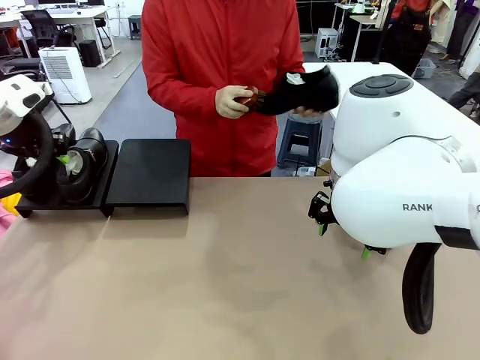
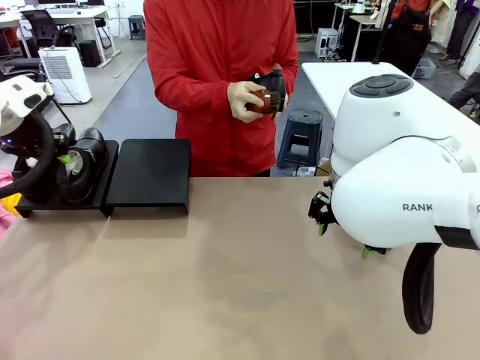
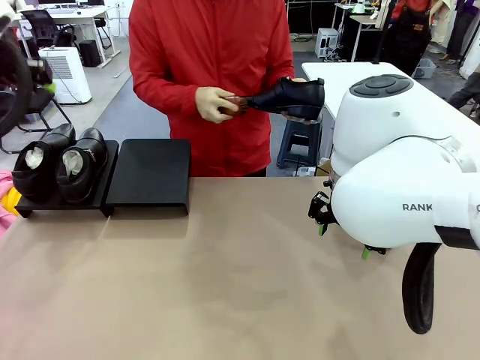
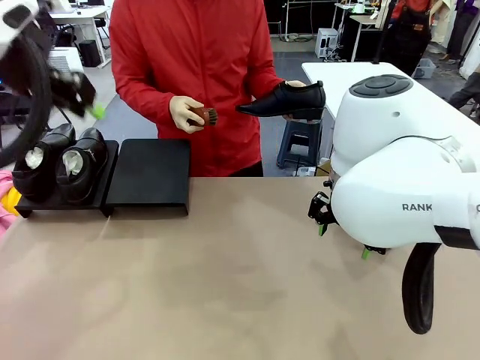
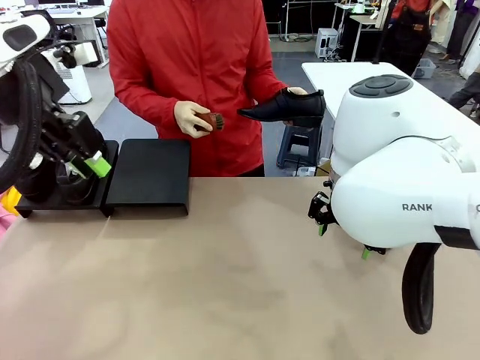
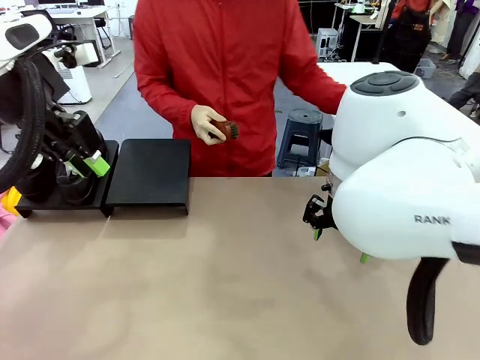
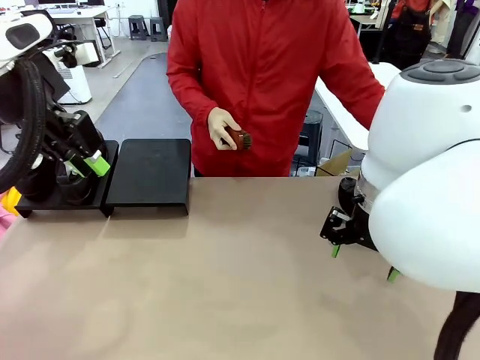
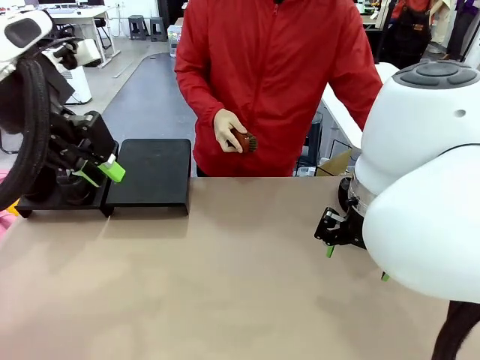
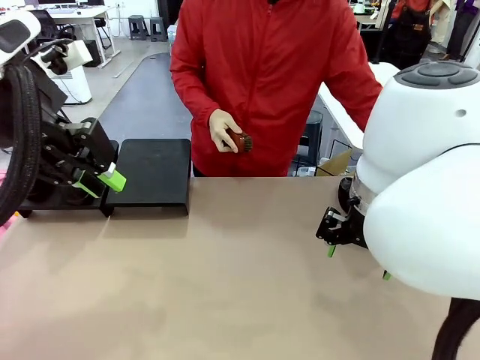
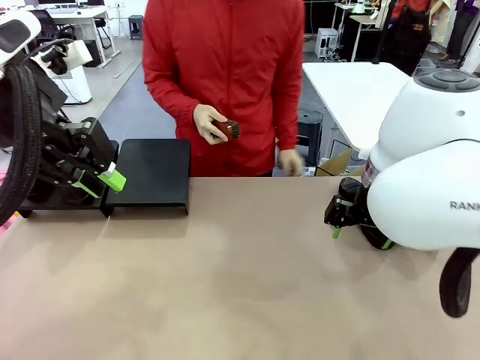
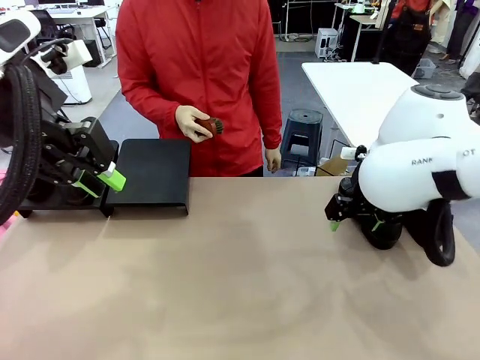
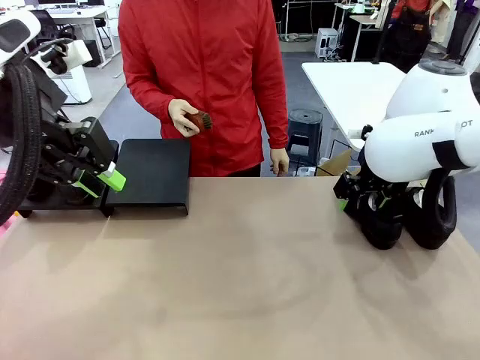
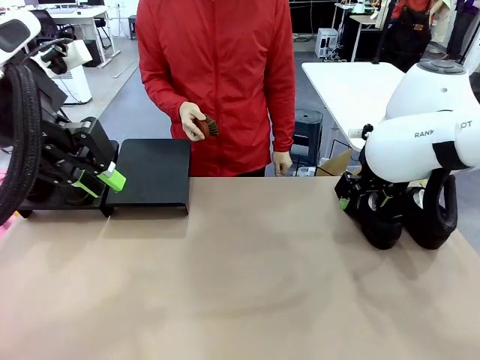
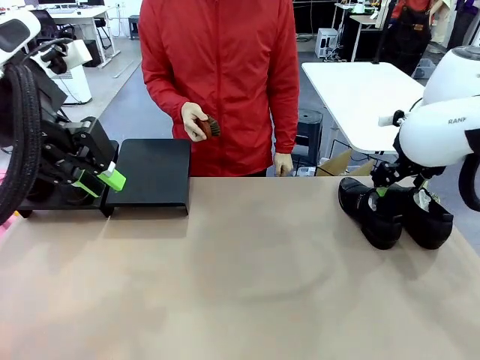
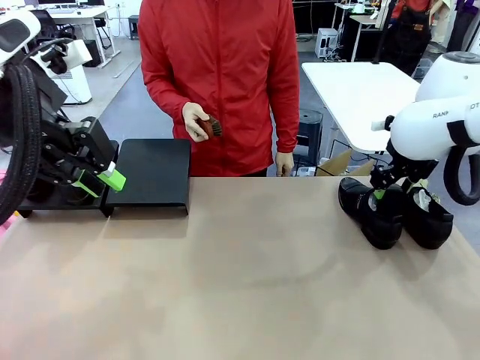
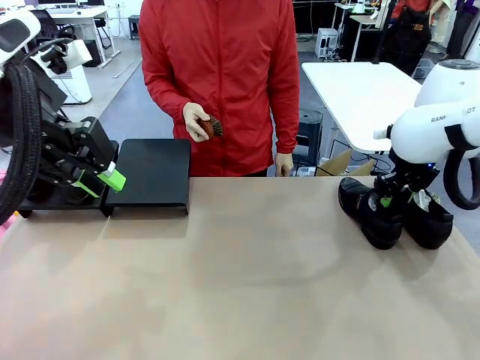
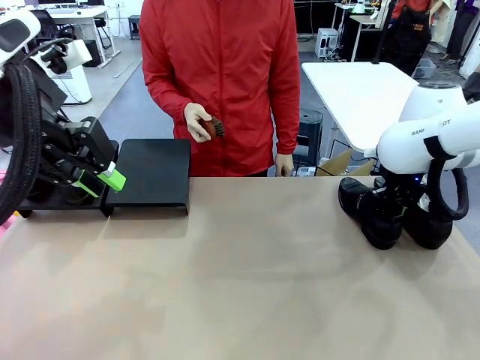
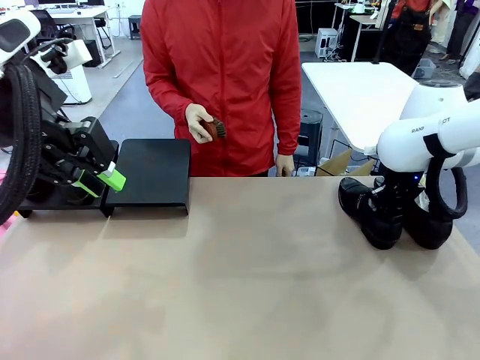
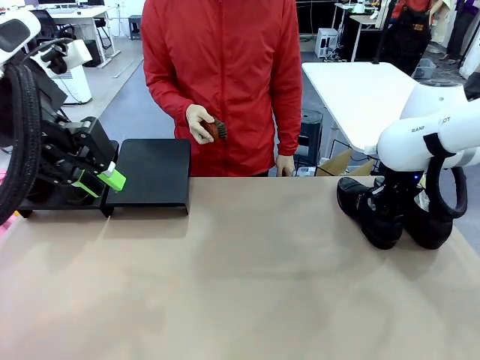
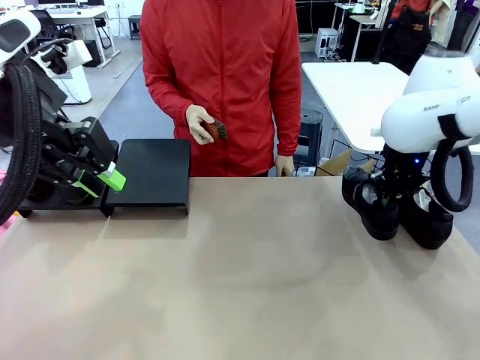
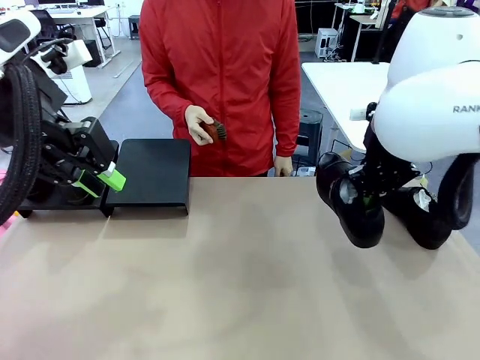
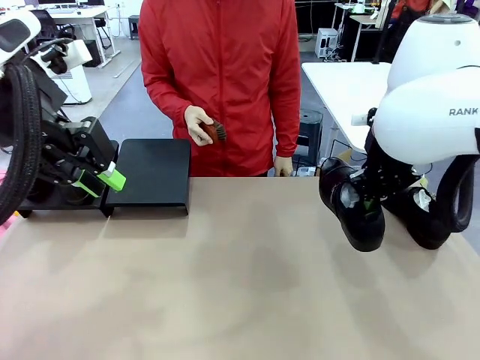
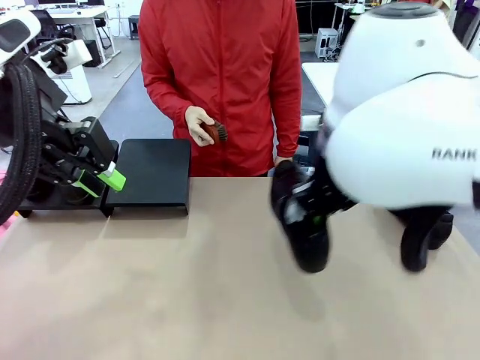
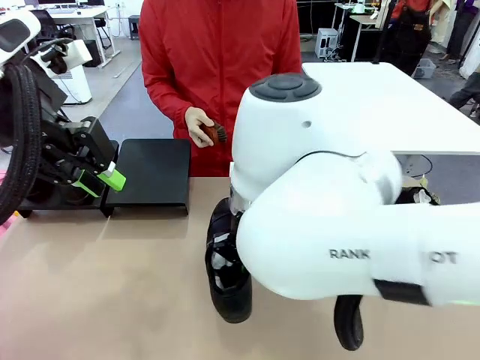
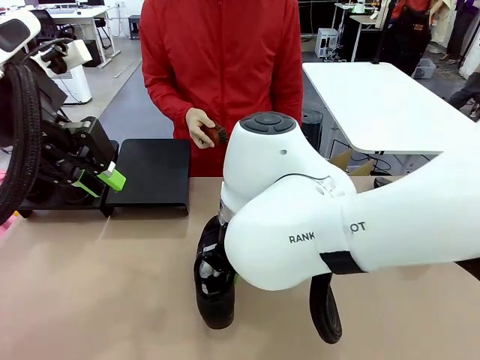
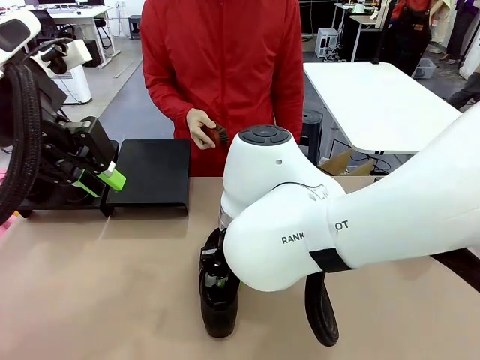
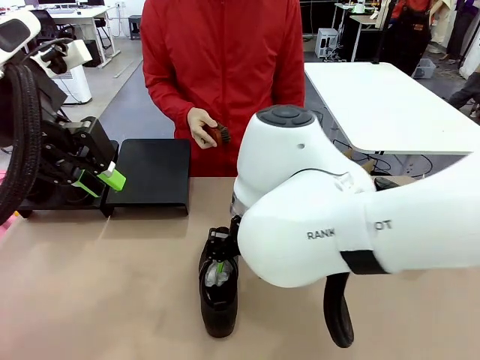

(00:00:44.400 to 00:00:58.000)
Task: Organize the shoes by placing them on the stand.
Robot: Pick up one Shoe and place it in the middle of the table.

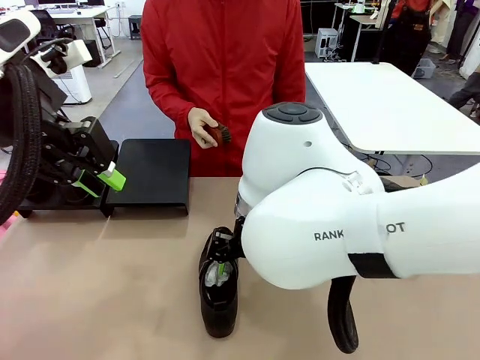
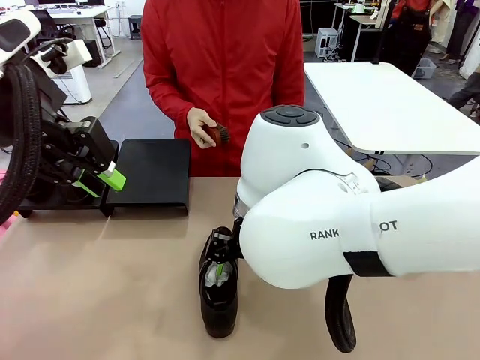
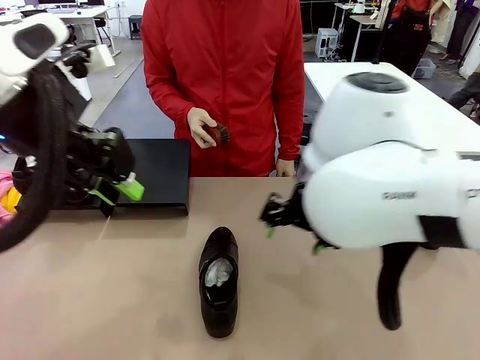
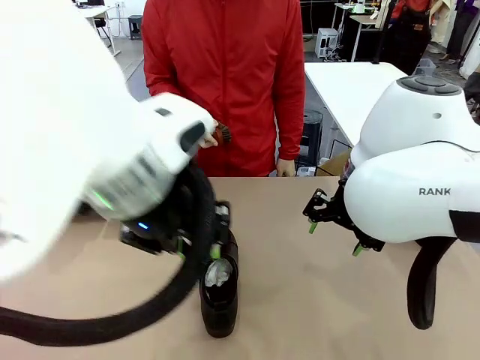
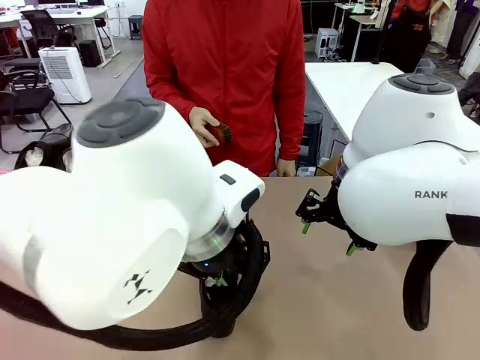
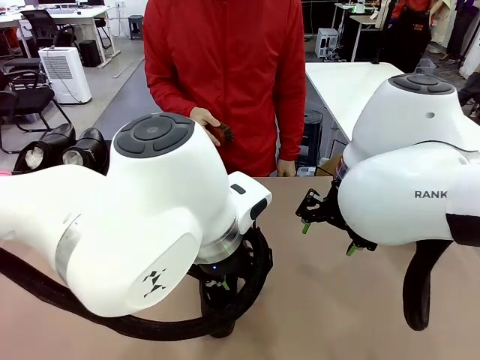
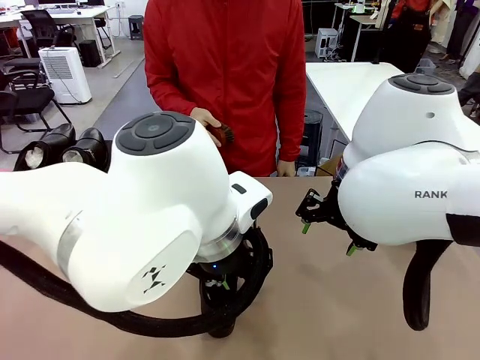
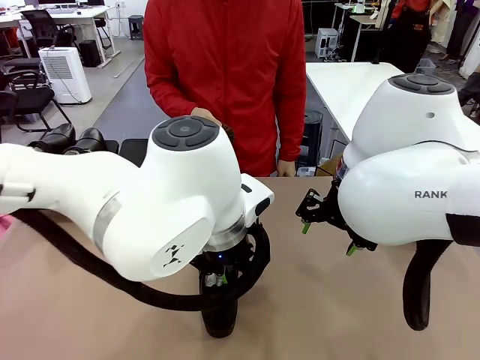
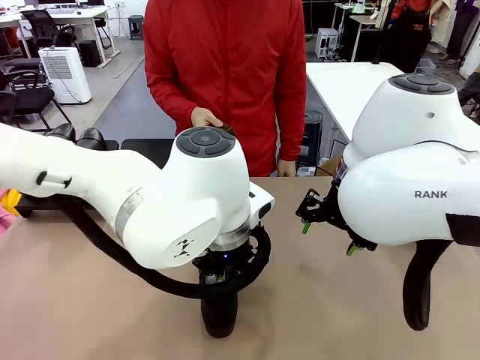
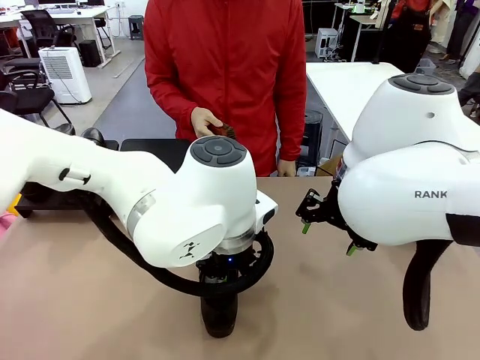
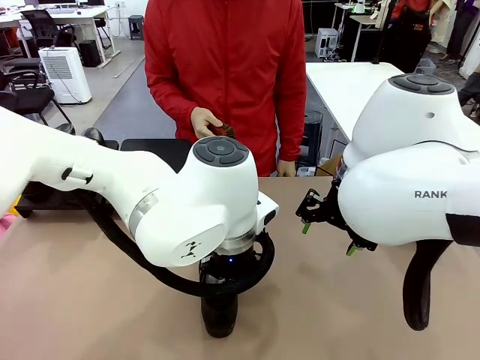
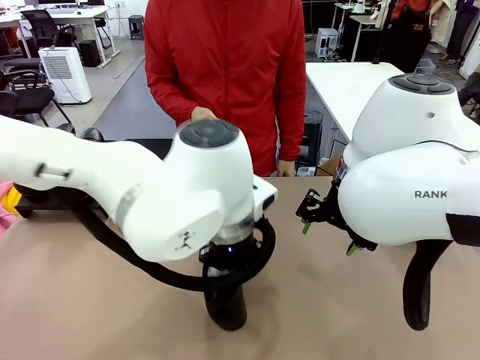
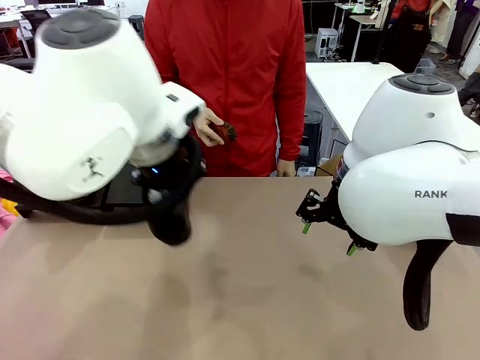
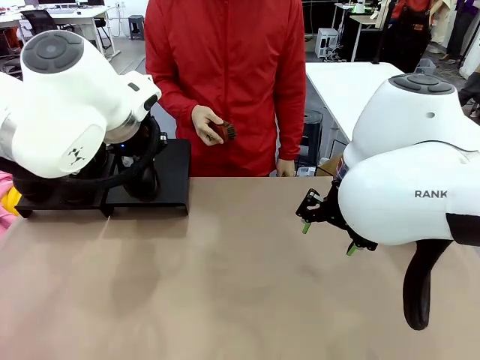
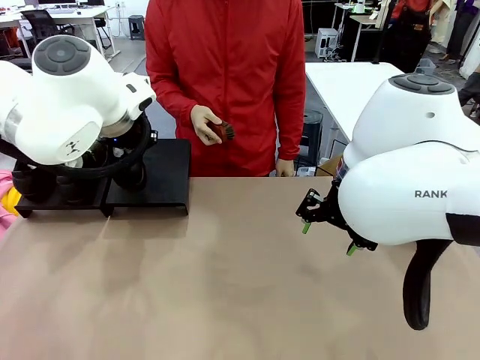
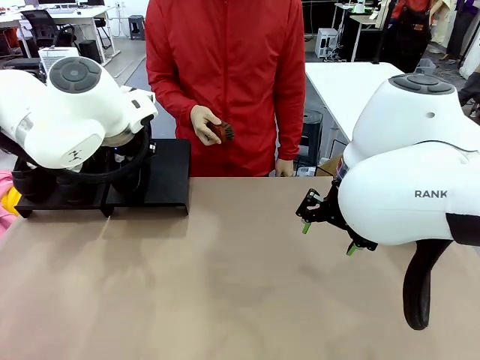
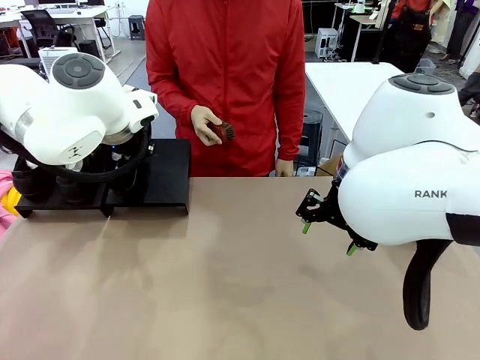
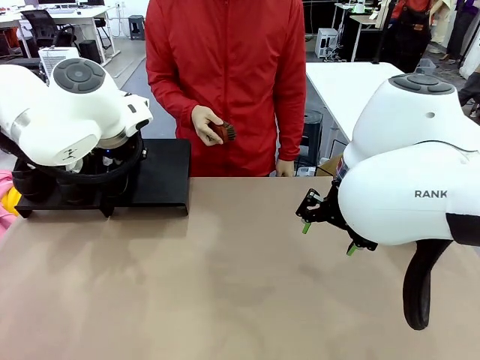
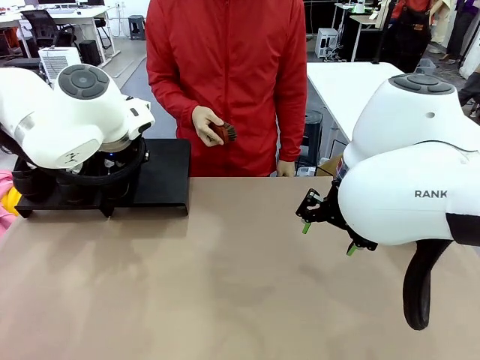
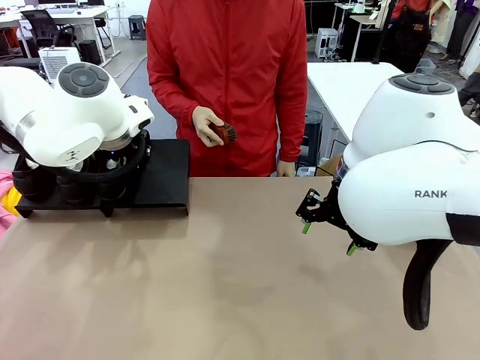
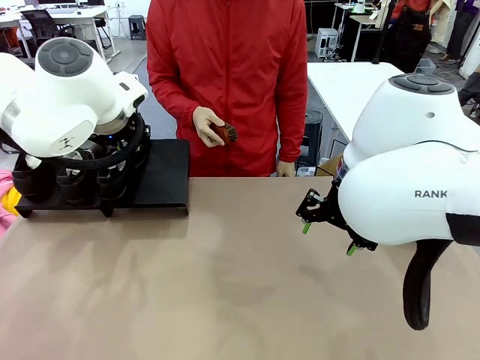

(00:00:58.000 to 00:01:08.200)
Robot: Place the Shoe from the middle of the table onto the Shoes Stand.

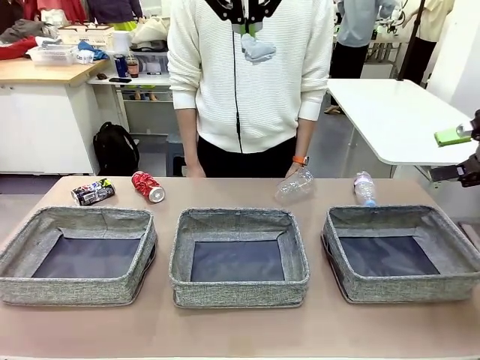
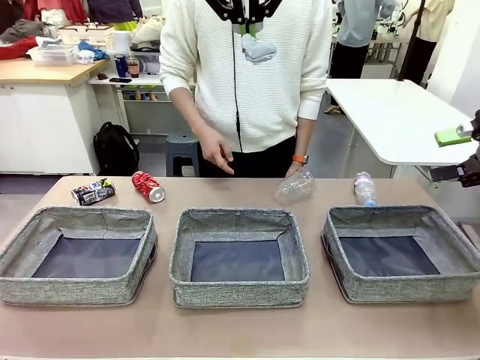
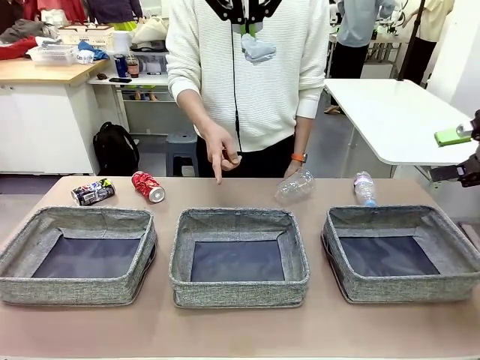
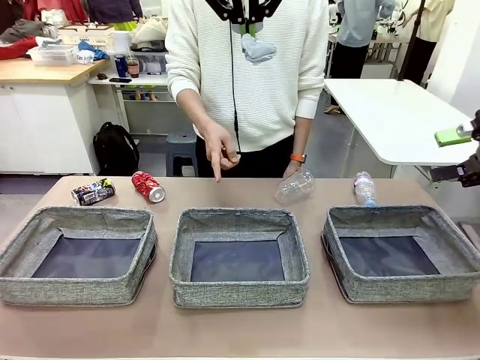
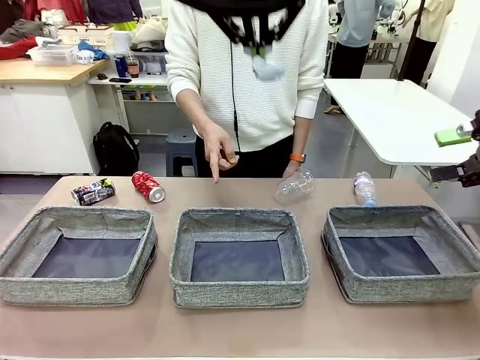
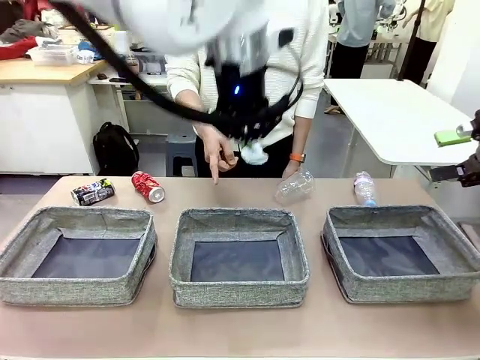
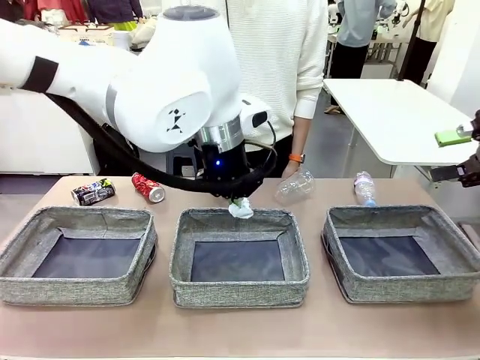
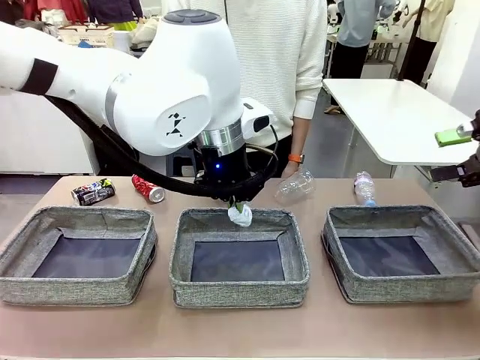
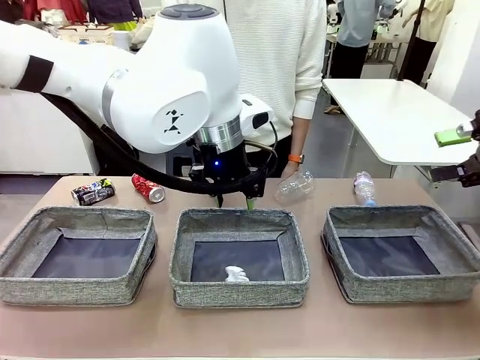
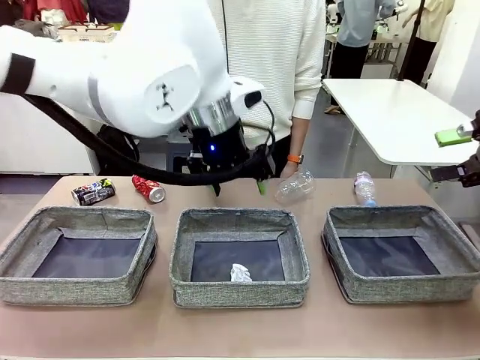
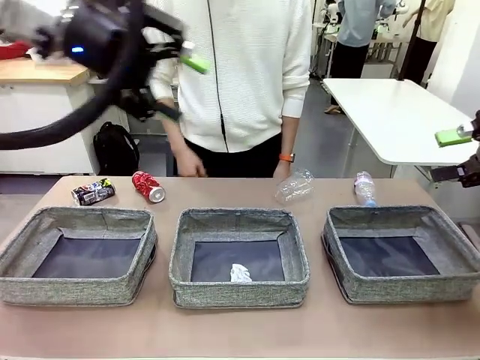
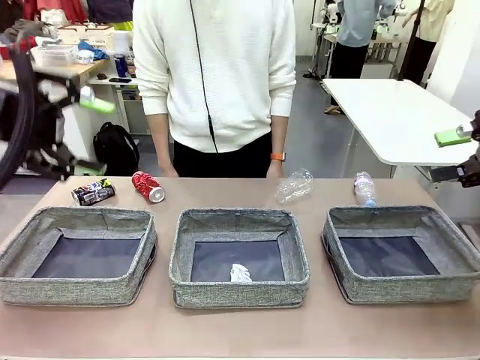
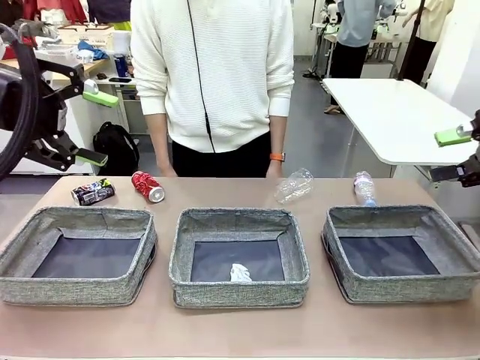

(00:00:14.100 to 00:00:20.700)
Task: Sort the waste into the appropriate baskets.
Robot: Place the picked waste into the Fabric basket indicated by the person.
Person: Instructs the robot to place the picked-up trash into the appropriate organizing basket.
